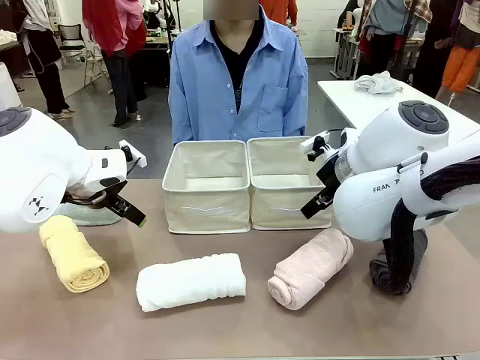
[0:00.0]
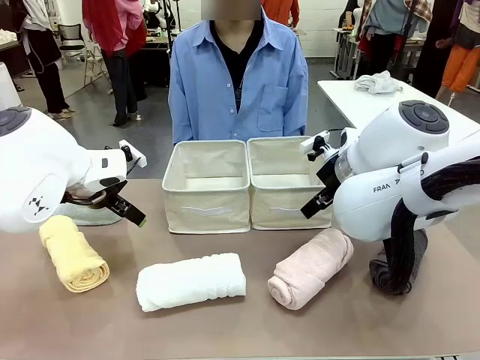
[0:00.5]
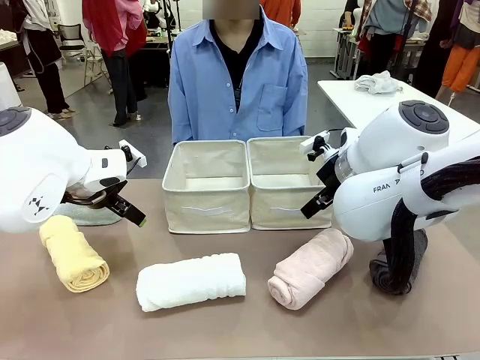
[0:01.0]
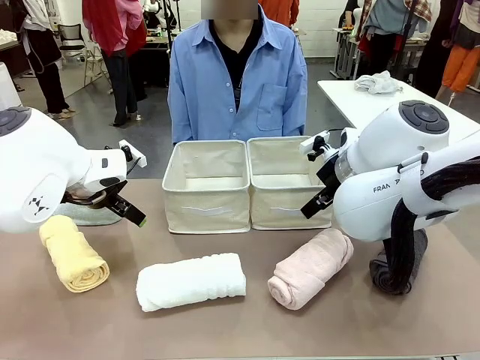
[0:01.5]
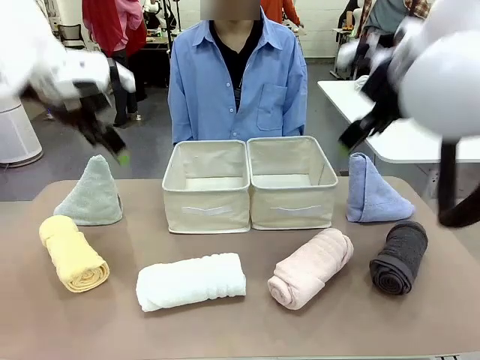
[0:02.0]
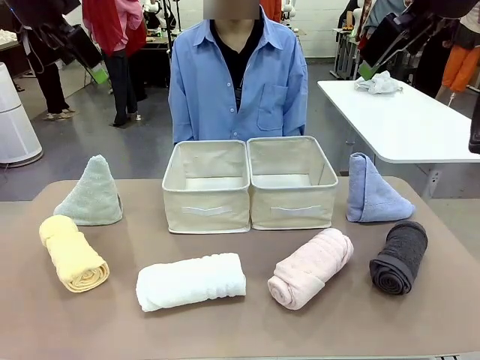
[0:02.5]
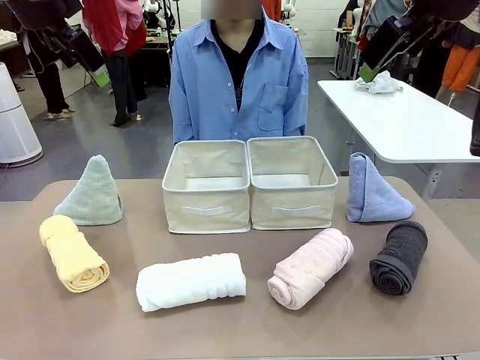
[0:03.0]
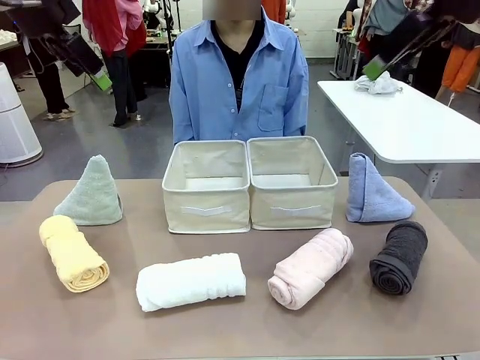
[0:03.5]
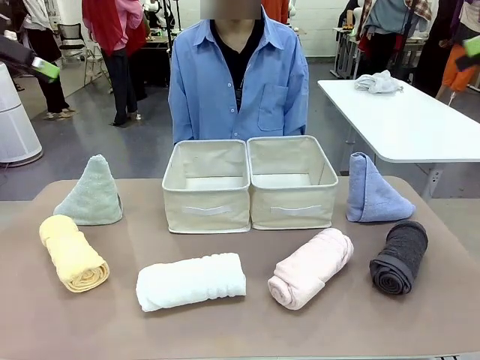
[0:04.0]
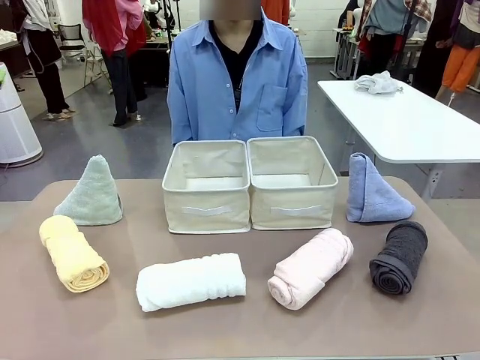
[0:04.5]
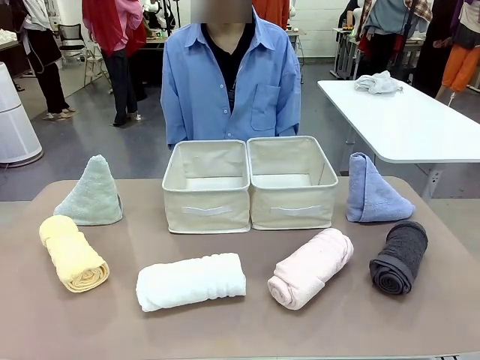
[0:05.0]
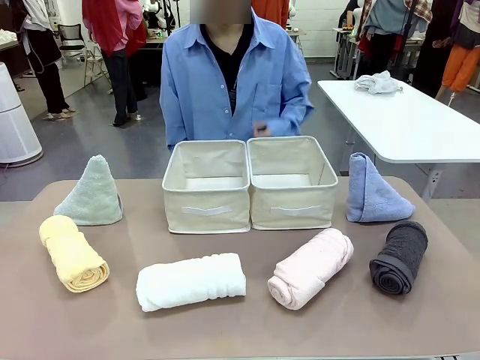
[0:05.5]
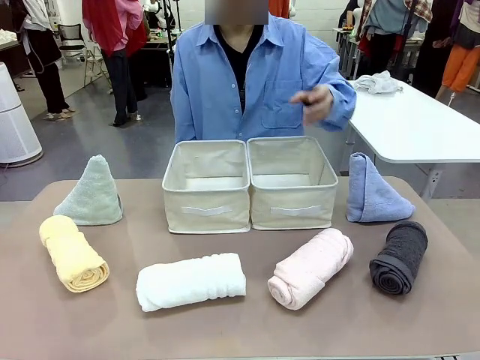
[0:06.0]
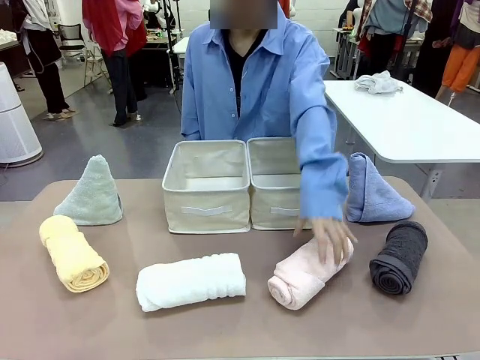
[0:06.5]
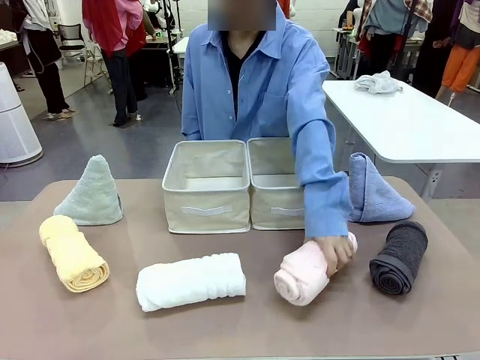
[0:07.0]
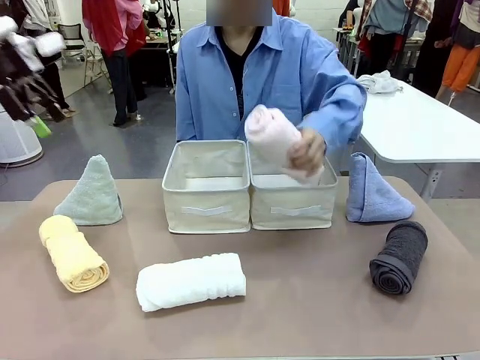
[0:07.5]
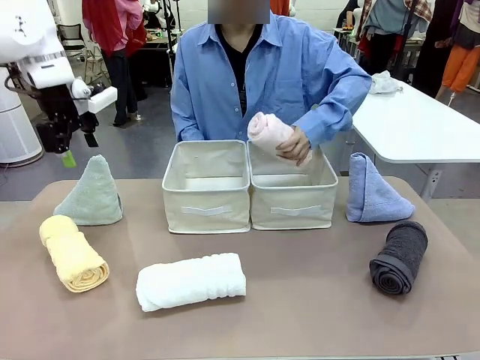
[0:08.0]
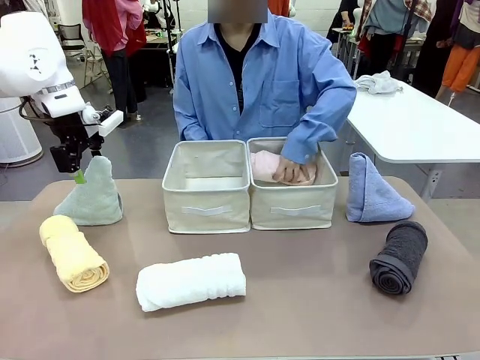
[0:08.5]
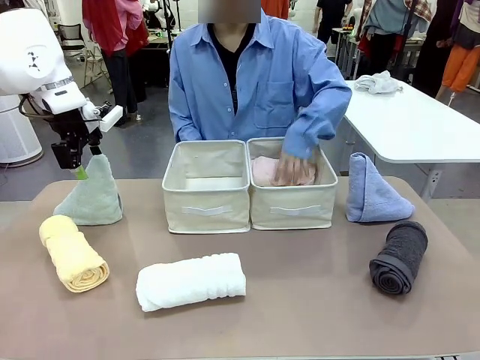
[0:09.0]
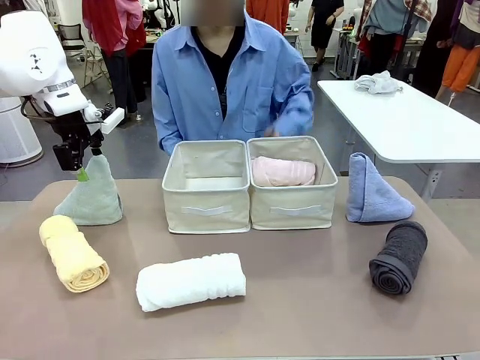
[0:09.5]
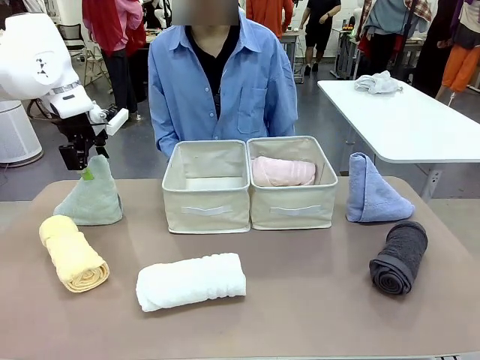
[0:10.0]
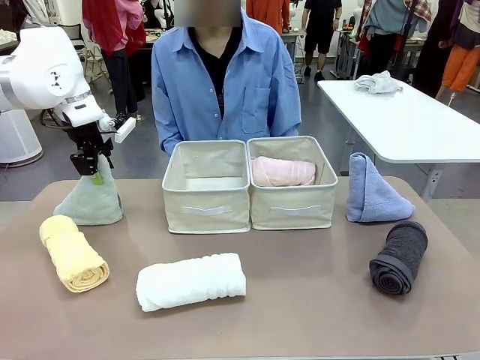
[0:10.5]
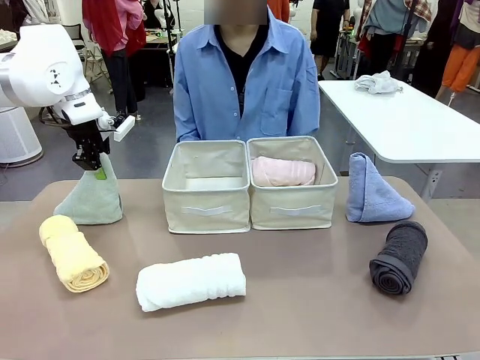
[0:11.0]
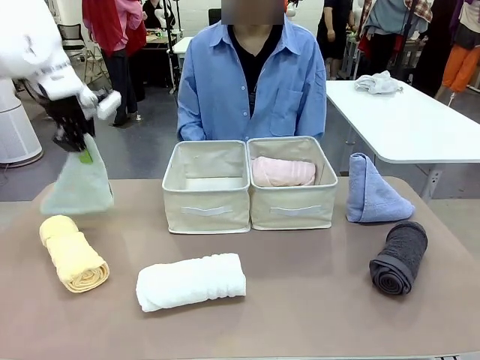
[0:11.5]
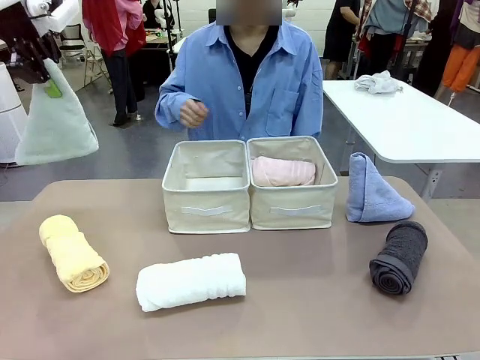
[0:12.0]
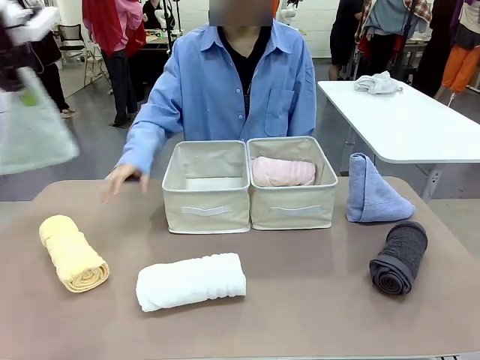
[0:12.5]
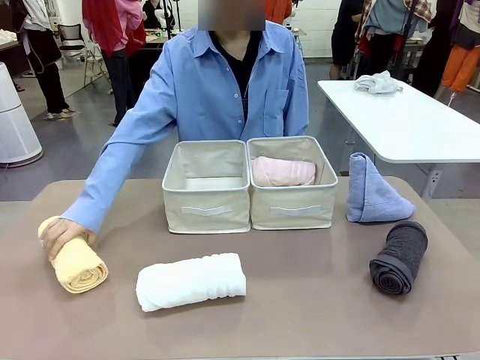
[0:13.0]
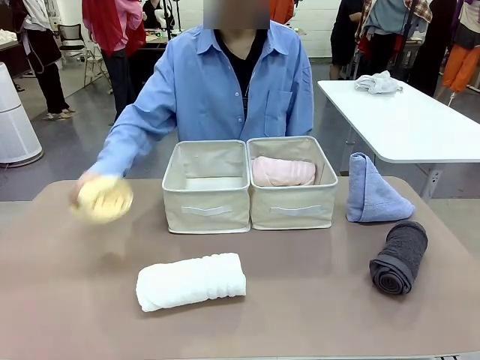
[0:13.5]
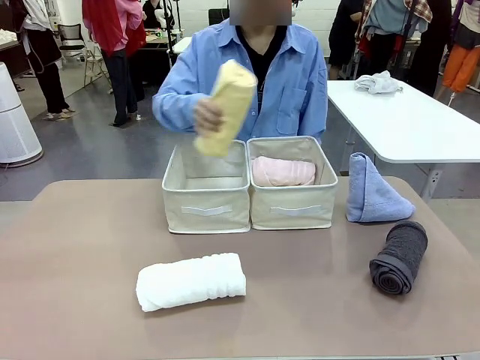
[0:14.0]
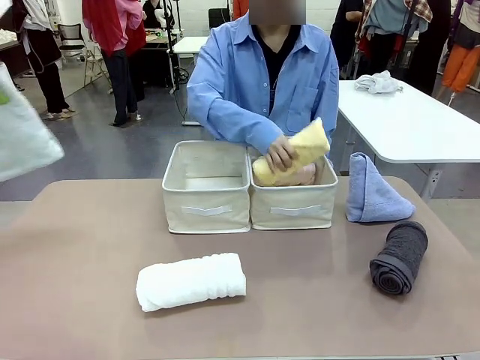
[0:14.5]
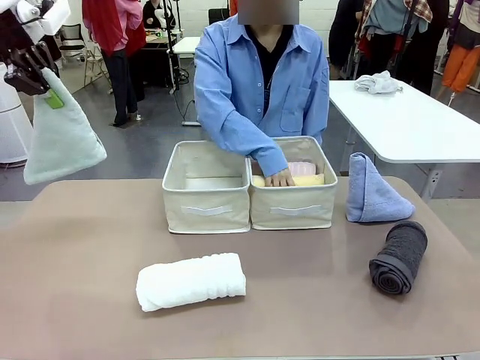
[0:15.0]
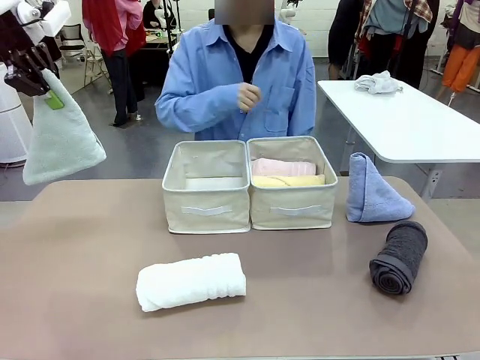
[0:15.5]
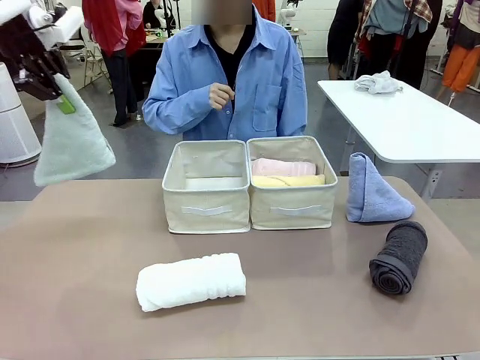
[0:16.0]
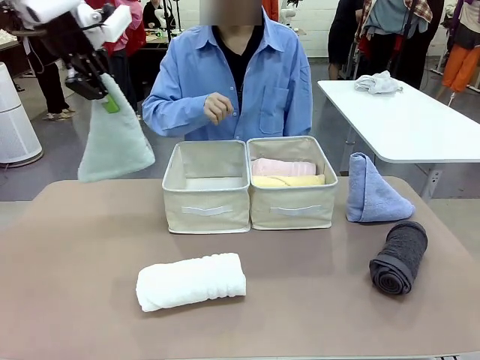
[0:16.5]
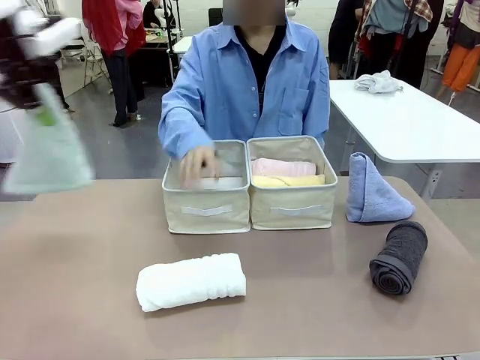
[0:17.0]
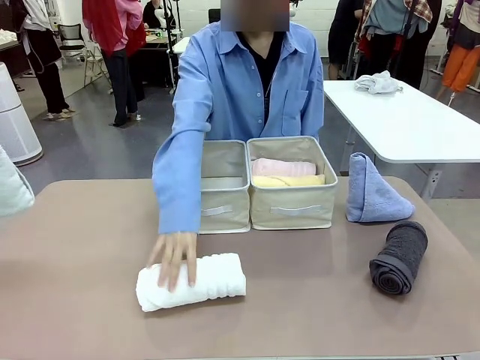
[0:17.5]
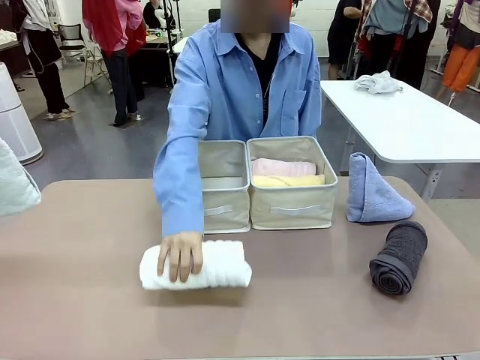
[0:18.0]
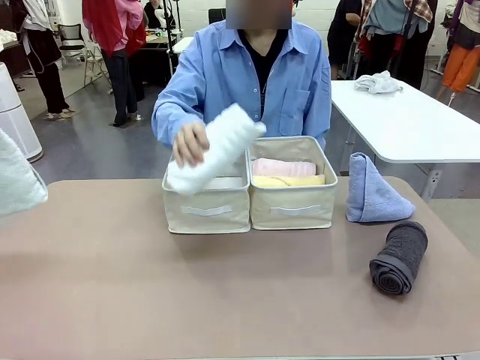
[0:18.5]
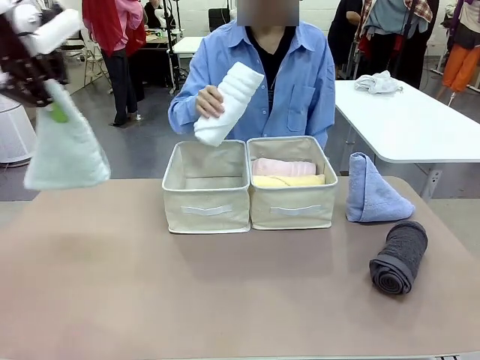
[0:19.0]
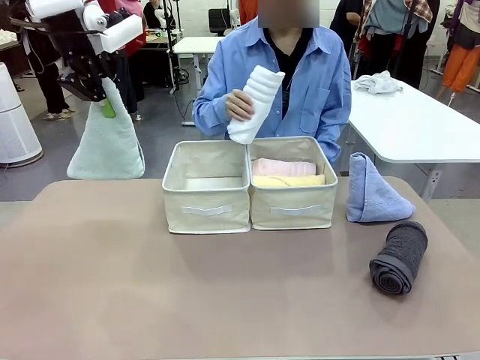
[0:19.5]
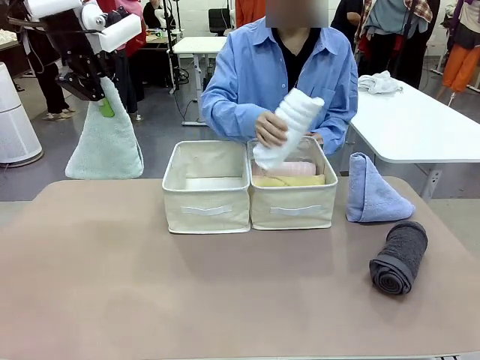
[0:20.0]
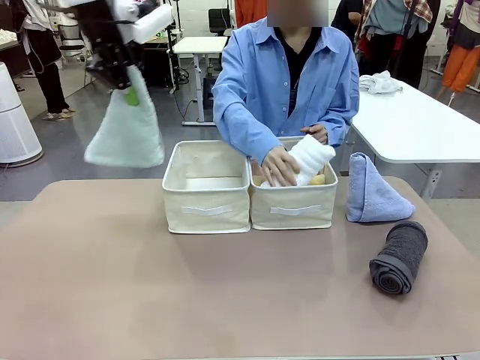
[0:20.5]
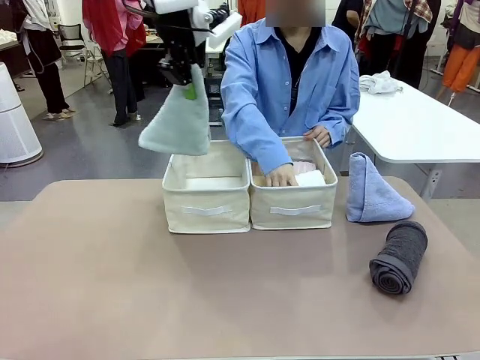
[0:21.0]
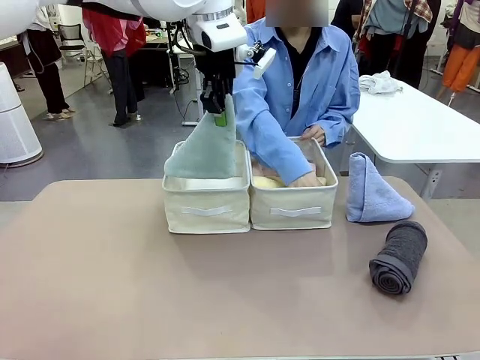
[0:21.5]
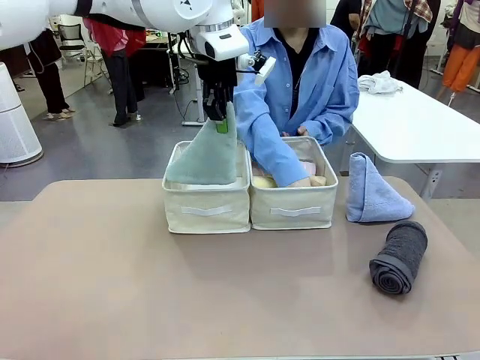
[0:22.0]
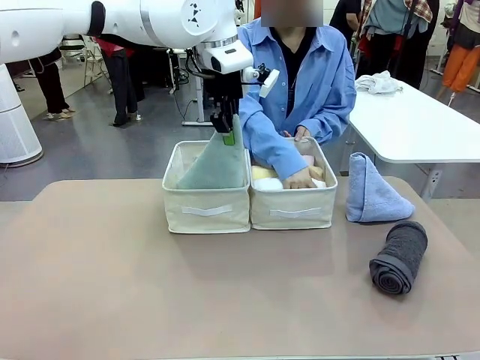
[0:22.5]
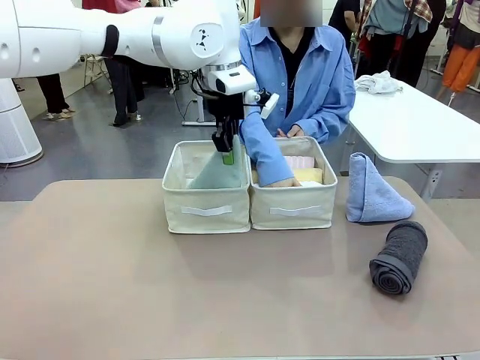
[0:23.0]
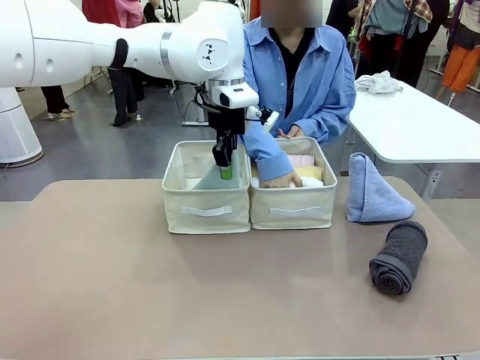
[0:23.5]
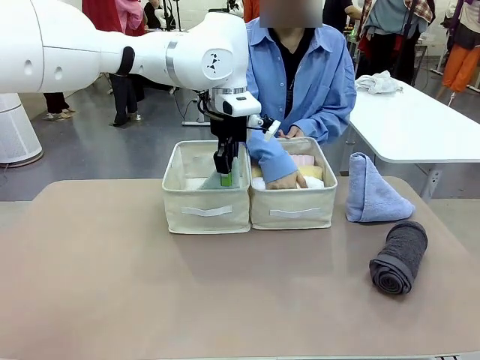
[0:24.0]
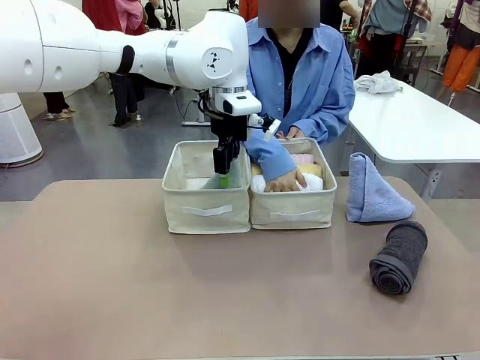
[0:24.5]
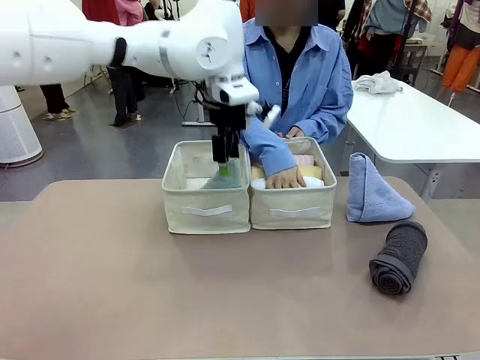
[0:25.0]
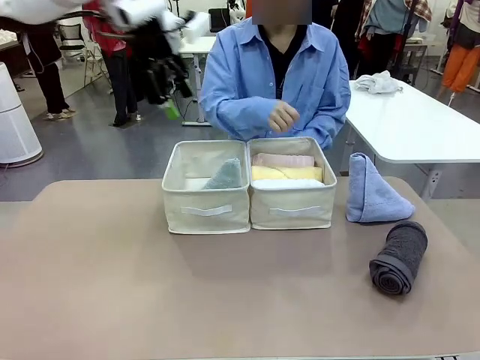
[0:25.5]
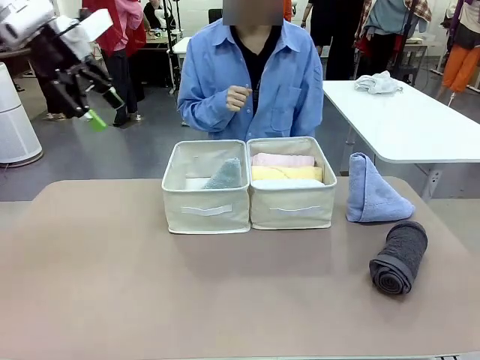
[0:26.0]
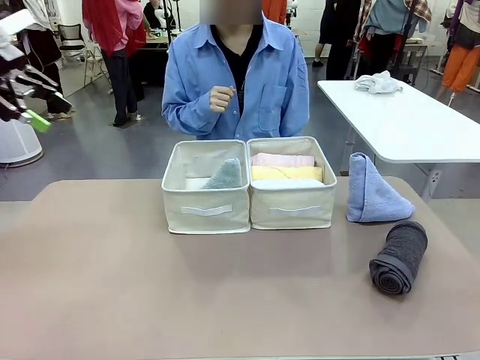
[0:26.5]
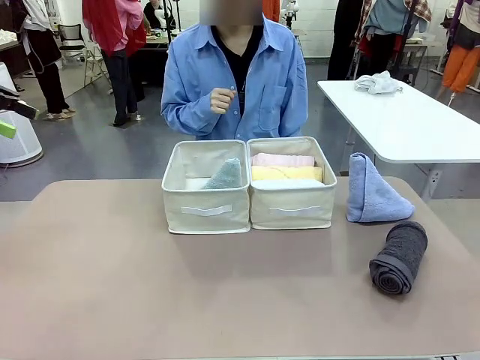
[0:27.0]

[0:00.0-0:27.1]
Task: Sort the towels based on their folding style.
Robot: Pick up one triangle-folded towel and place it in the left Fabric basket.
Person: Pick up one hotel-style rolled towel and place it in the left fabric basket.
